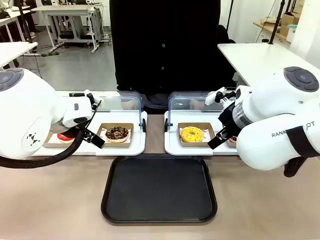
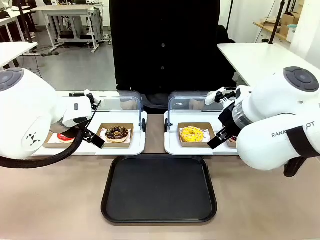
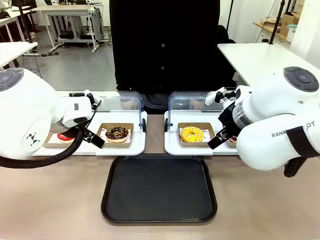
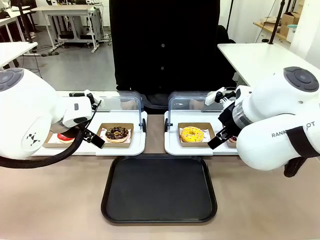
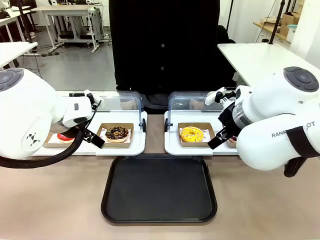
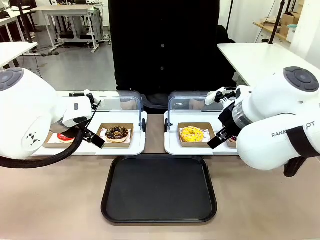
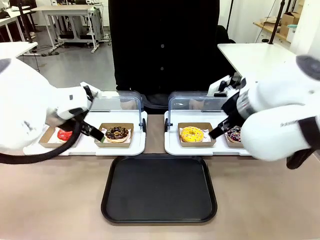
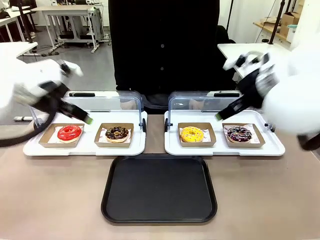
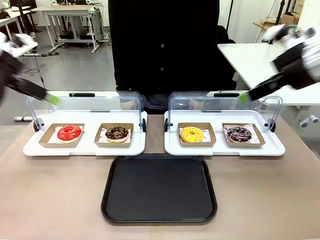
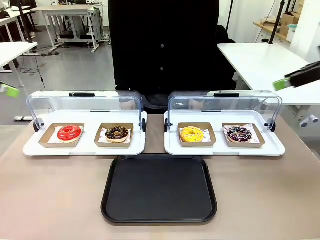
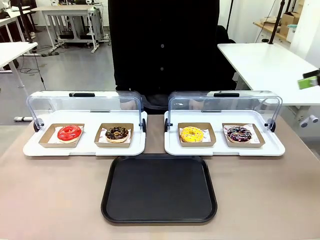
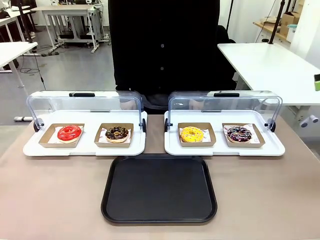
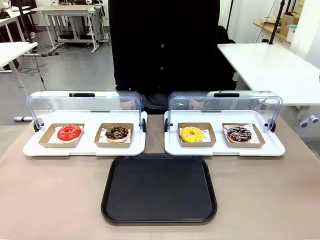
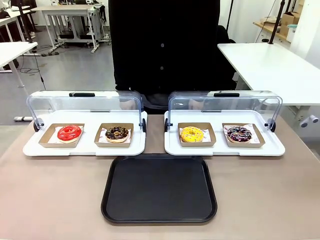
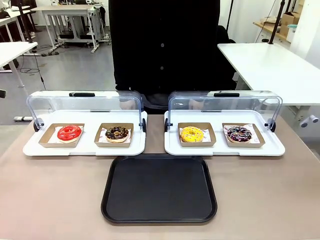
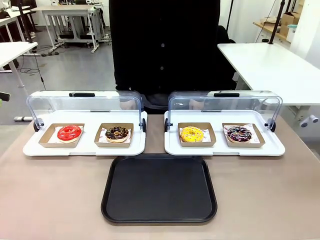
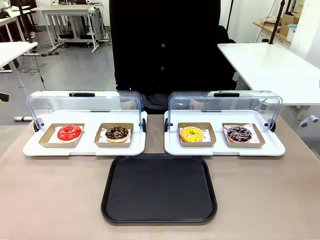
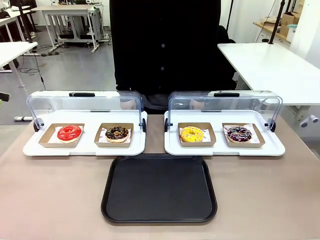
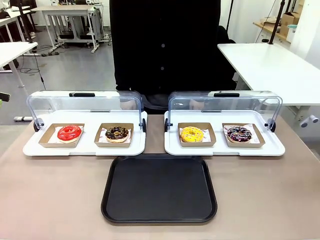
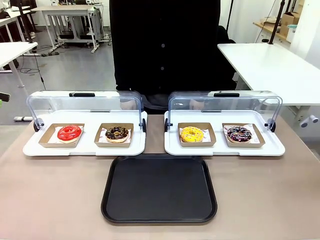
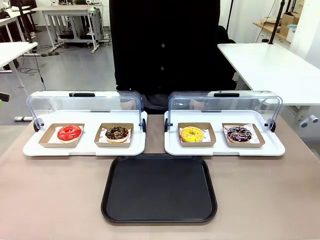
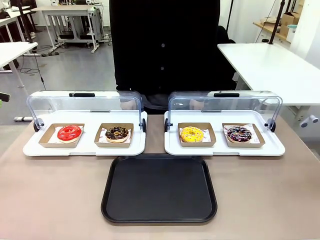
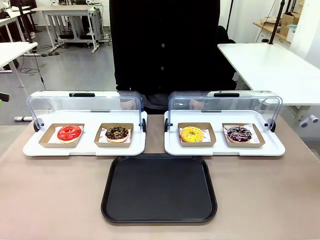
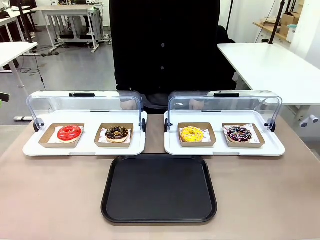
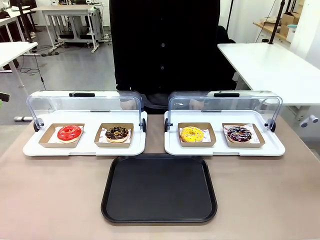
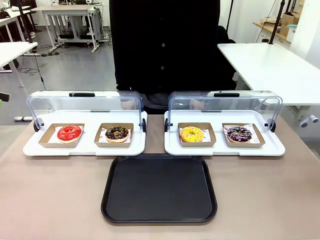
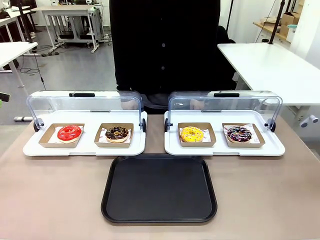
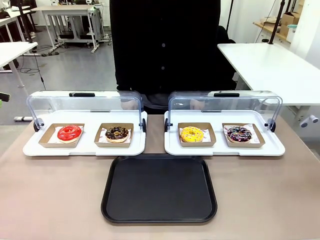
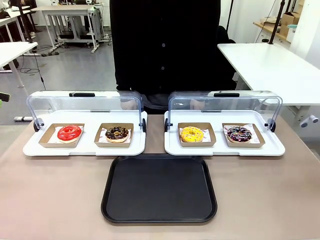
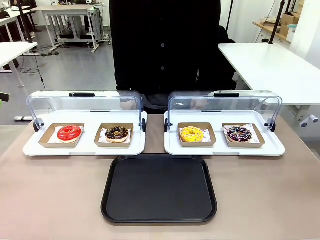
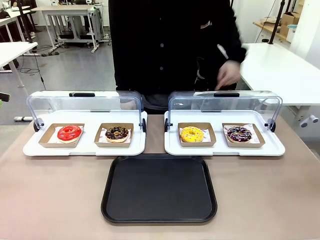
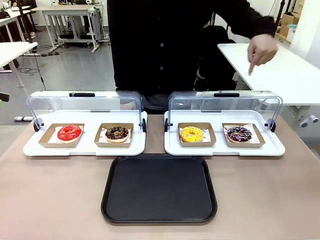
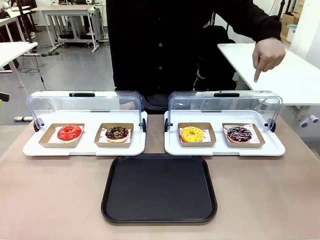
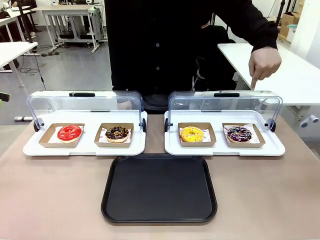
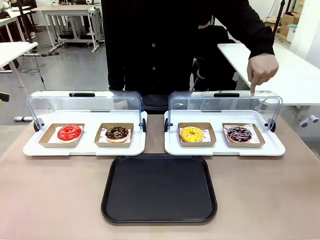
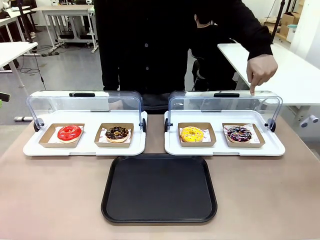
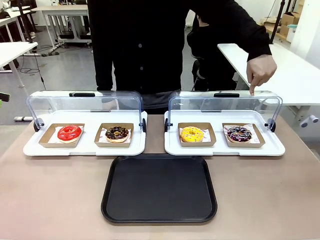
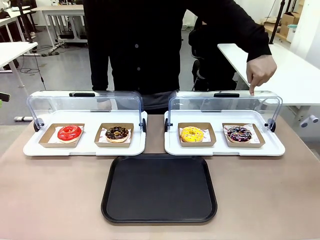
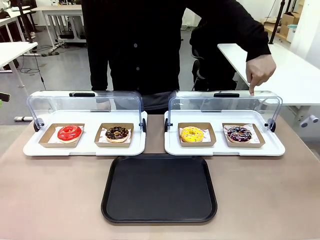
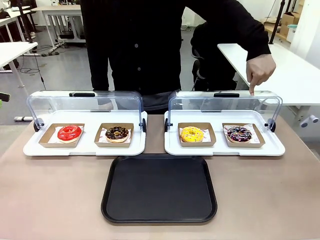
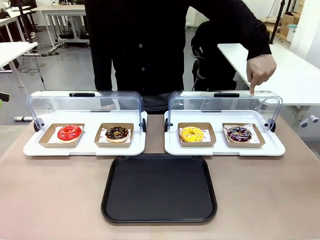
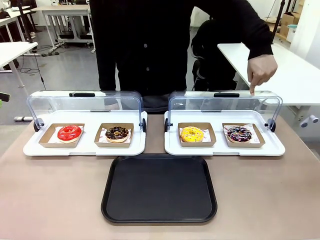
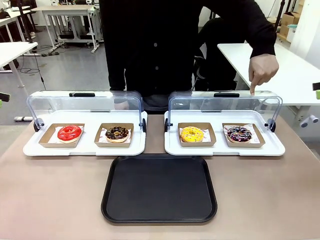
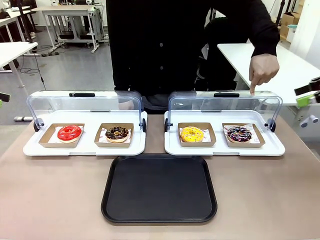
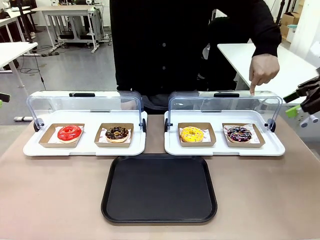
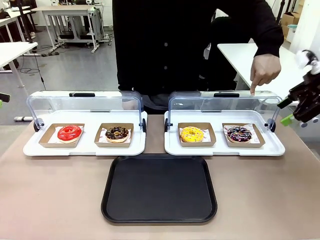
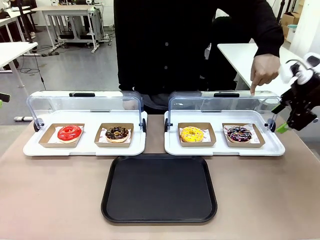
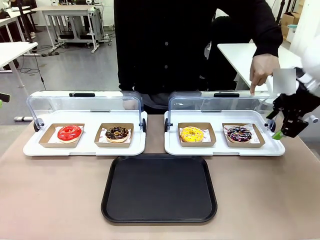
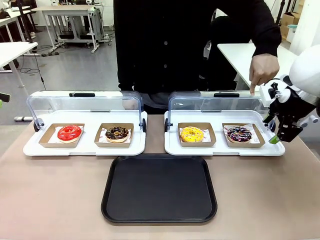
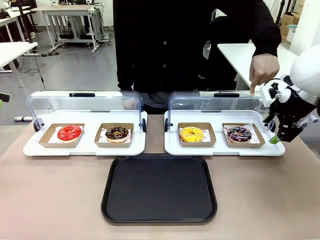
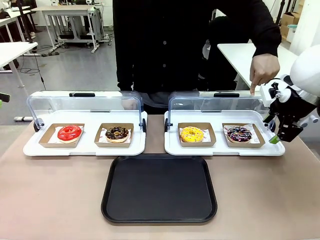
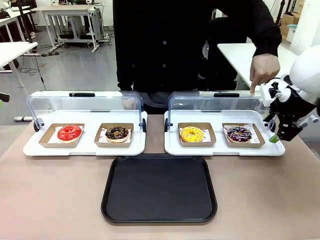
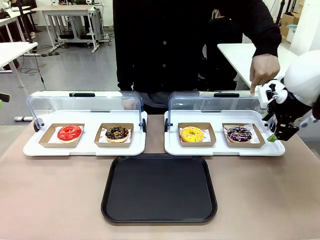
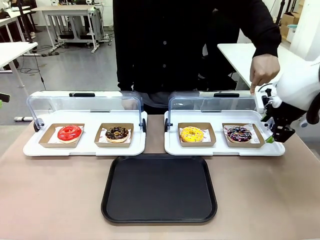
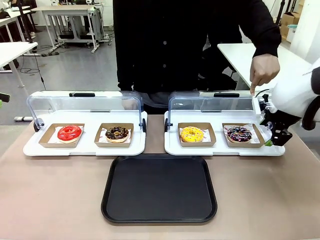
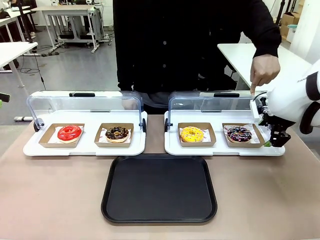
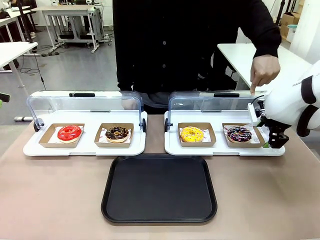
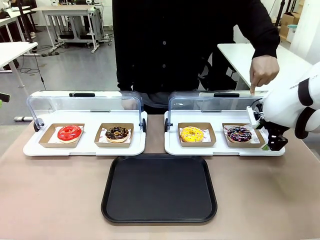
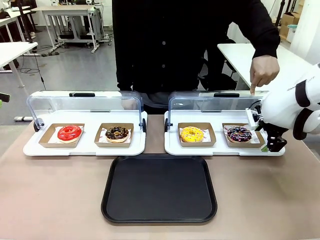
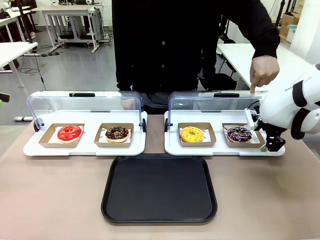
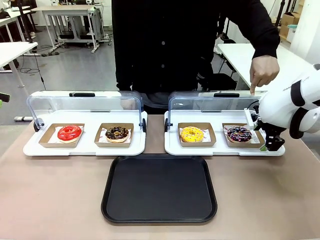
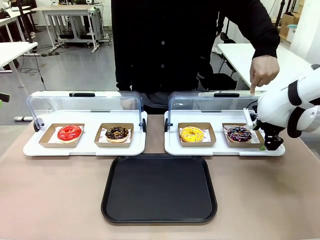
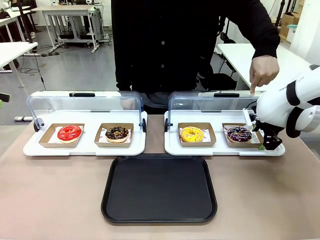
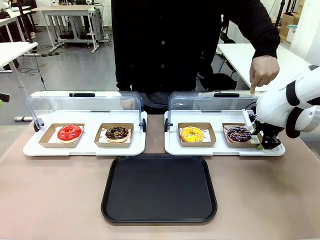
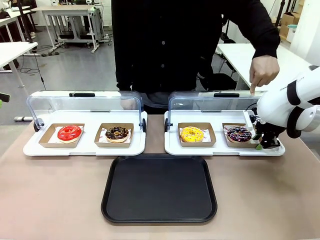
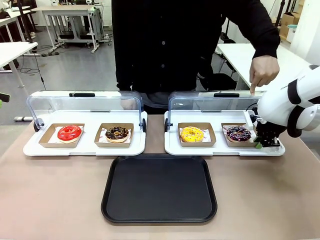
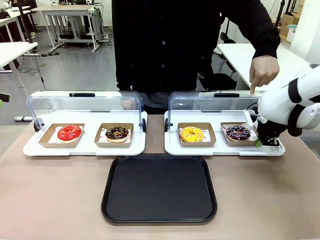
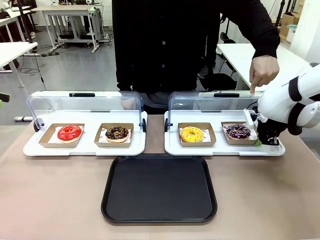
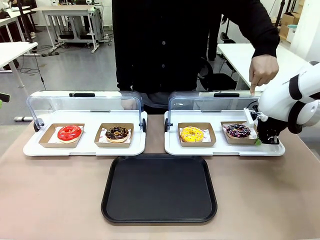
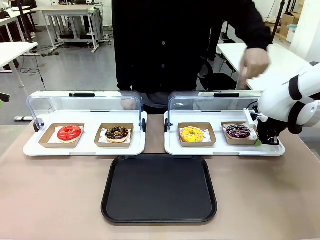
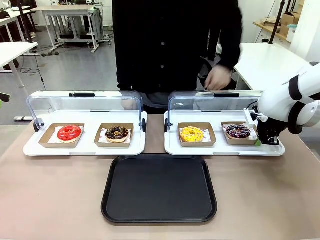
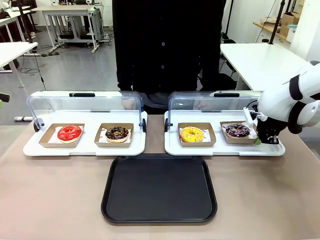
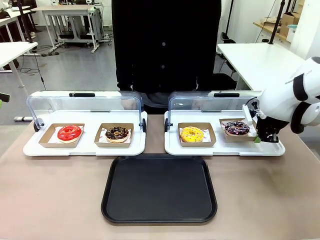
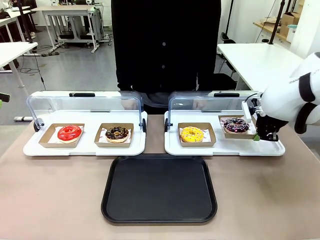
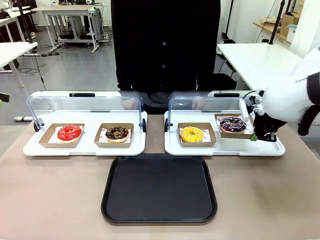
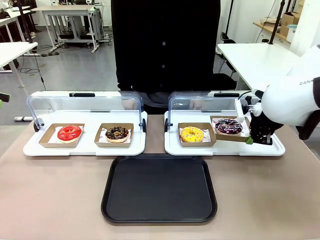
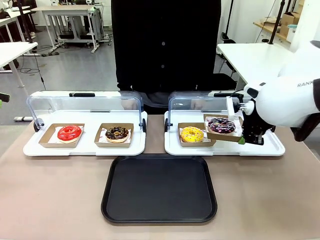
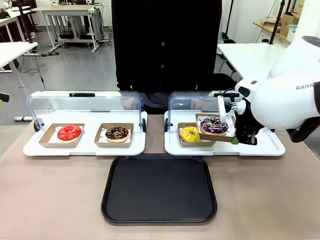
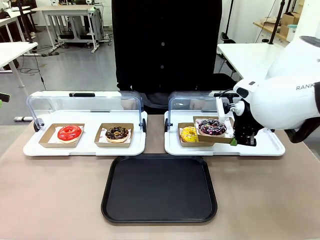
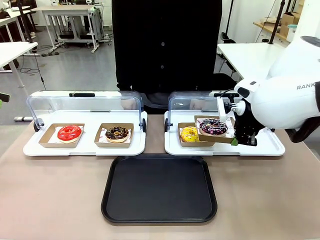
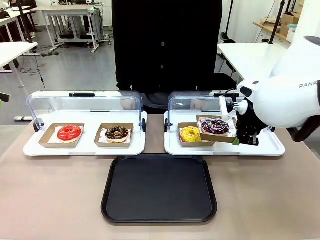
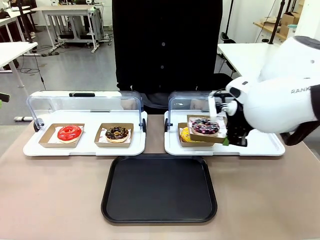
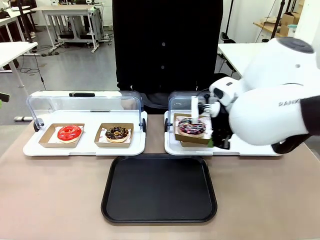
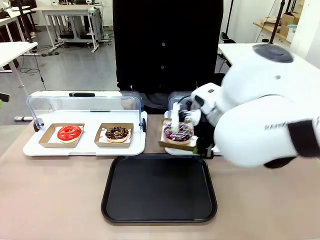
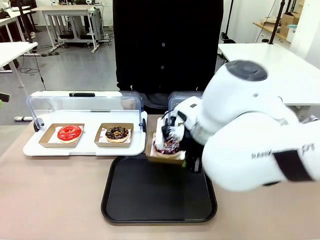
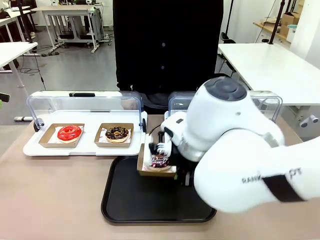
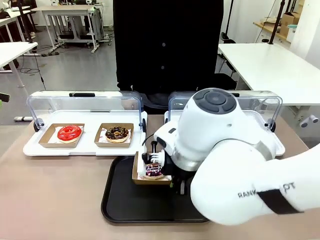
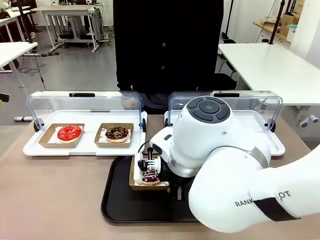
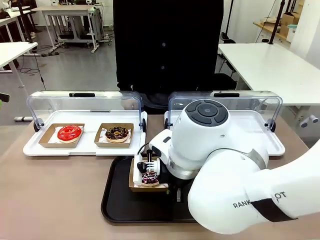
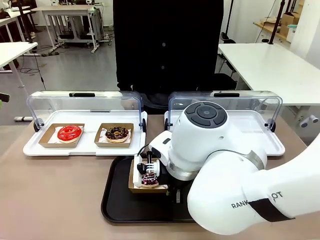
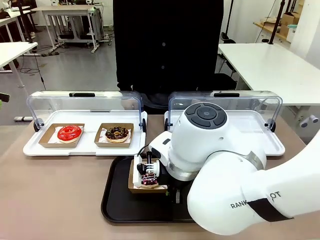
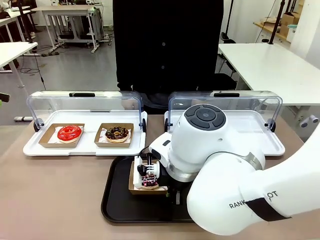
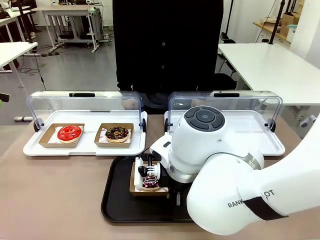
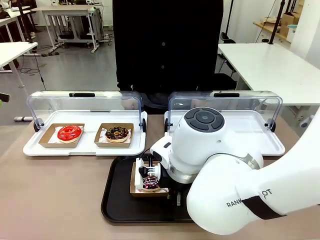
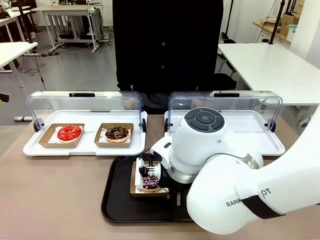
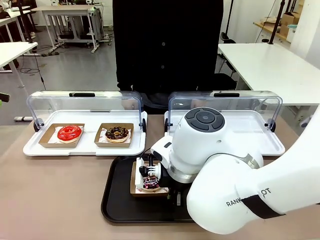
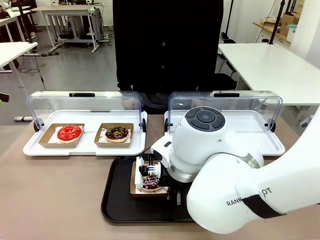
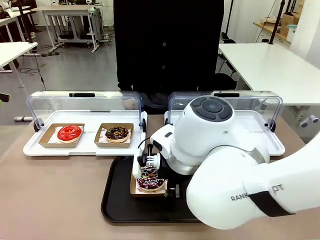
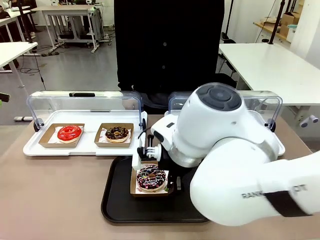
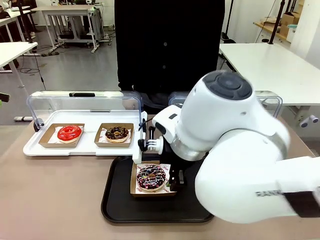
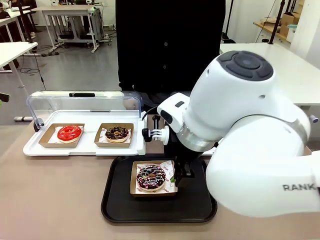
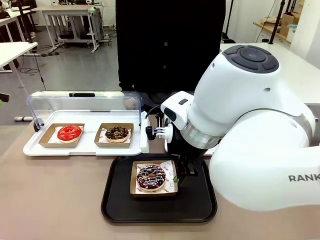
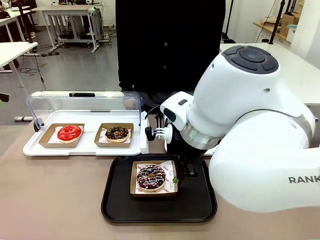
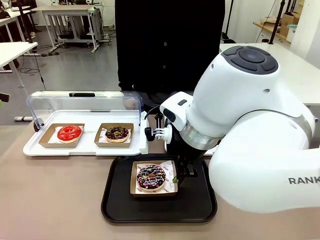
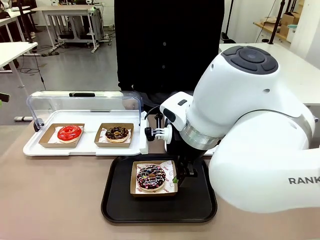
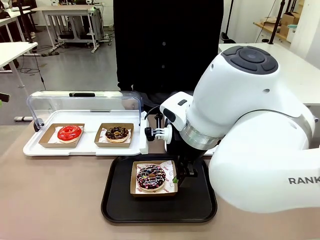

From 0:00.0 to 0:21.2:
Task: Move the fourth donut from the left to the tray.
Robot: Pick up the Paper togo box containing the Donut indicated by the person and place it on the Handle tray.
Person: Points to the fourth donut from the left from the robot’s perspective.
